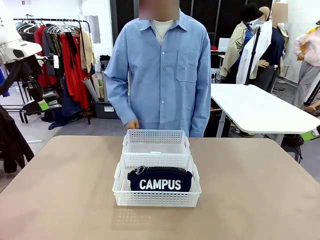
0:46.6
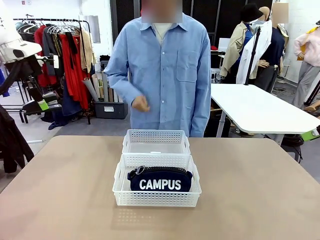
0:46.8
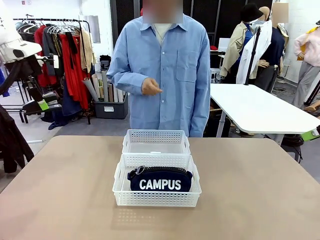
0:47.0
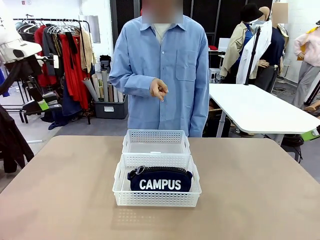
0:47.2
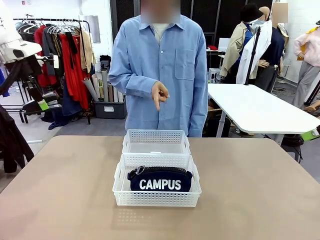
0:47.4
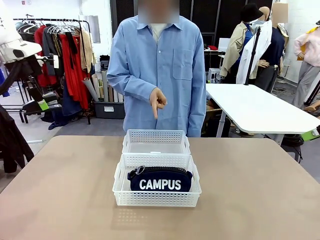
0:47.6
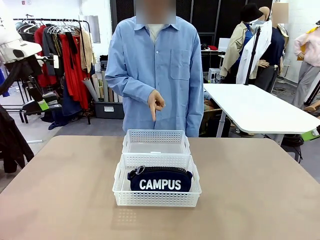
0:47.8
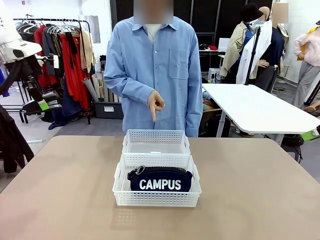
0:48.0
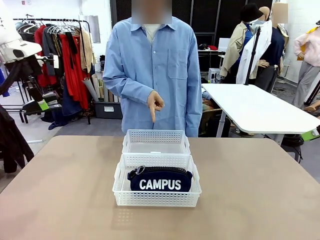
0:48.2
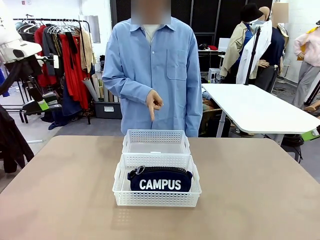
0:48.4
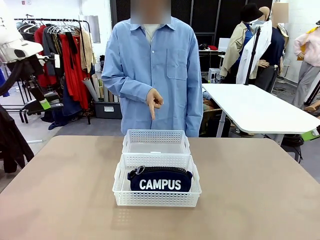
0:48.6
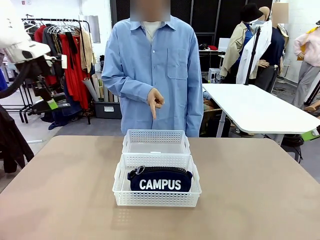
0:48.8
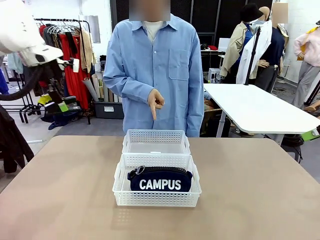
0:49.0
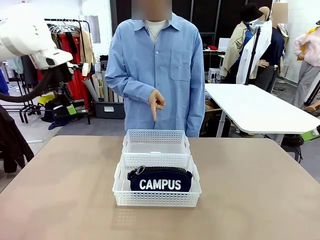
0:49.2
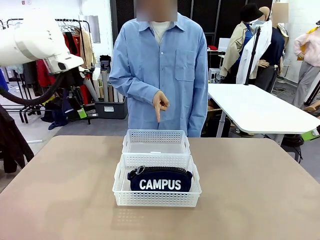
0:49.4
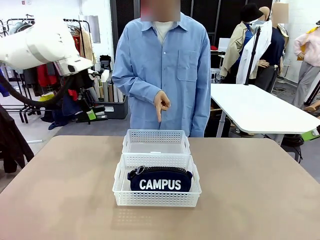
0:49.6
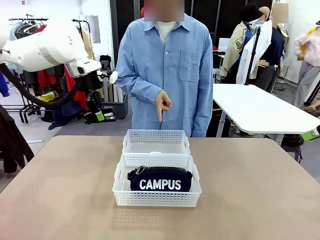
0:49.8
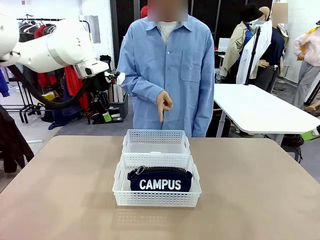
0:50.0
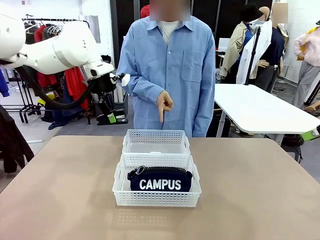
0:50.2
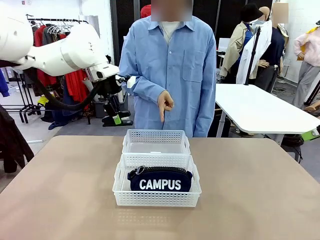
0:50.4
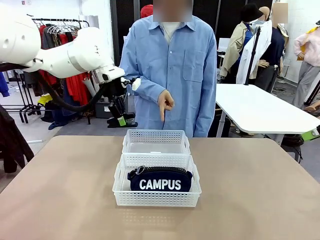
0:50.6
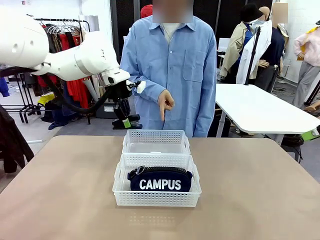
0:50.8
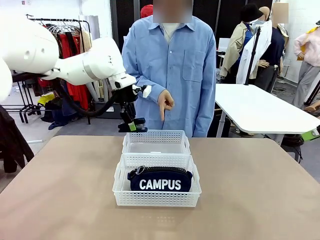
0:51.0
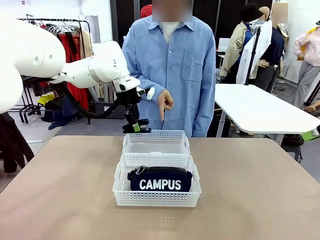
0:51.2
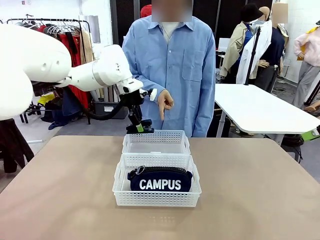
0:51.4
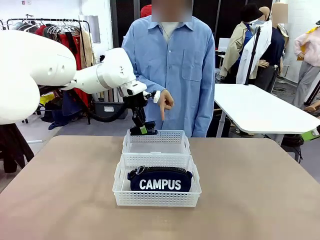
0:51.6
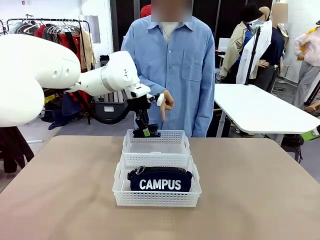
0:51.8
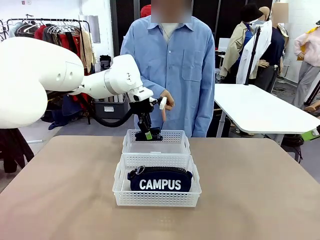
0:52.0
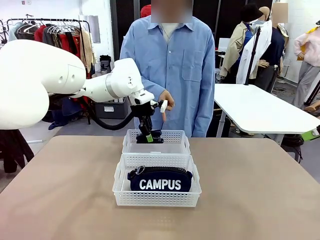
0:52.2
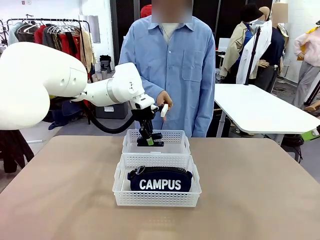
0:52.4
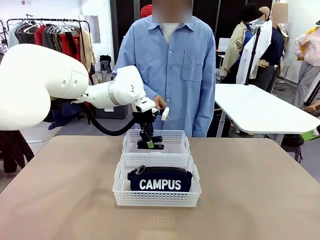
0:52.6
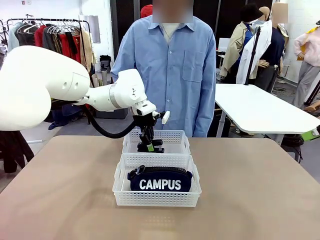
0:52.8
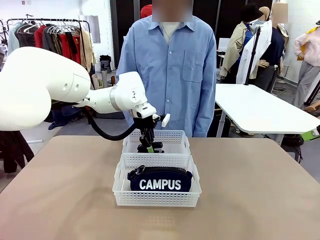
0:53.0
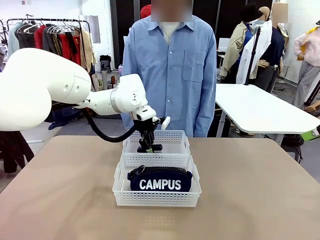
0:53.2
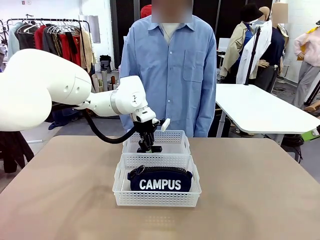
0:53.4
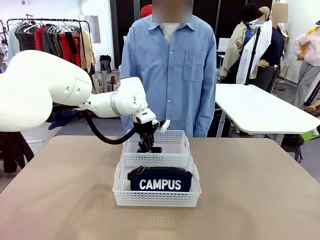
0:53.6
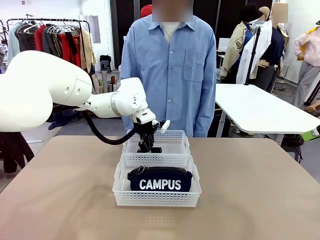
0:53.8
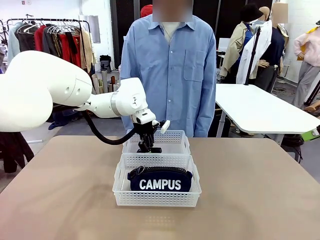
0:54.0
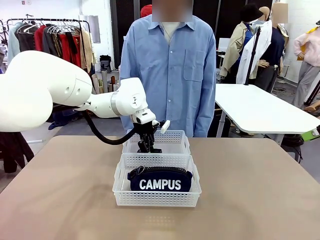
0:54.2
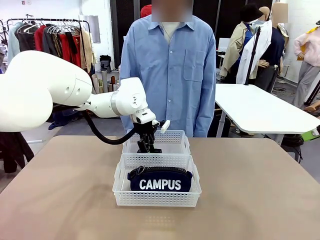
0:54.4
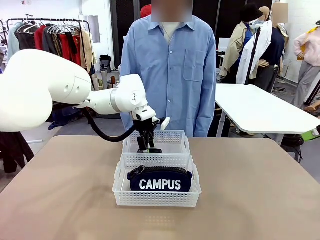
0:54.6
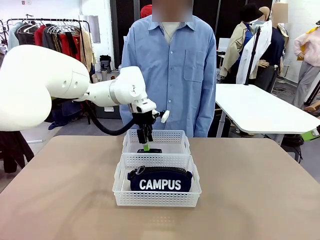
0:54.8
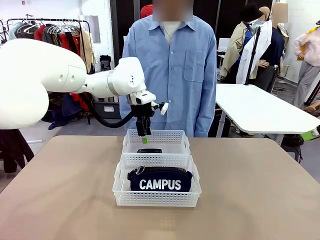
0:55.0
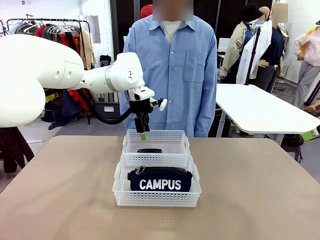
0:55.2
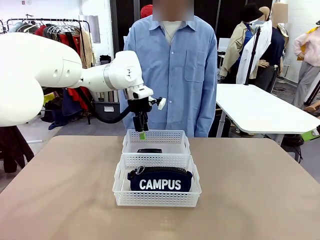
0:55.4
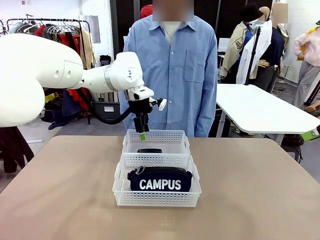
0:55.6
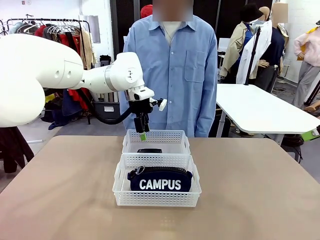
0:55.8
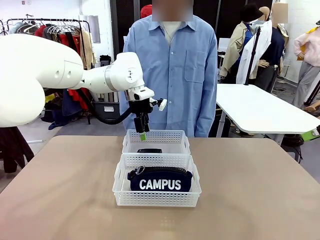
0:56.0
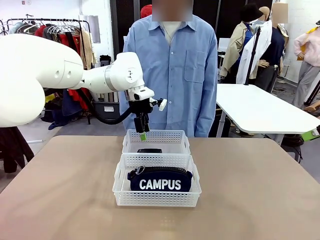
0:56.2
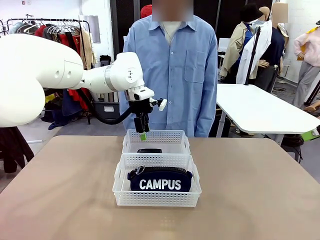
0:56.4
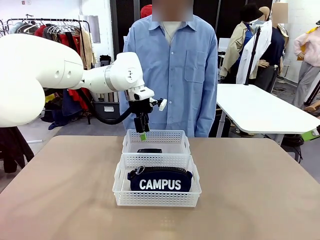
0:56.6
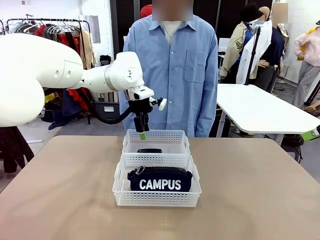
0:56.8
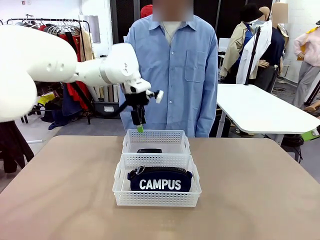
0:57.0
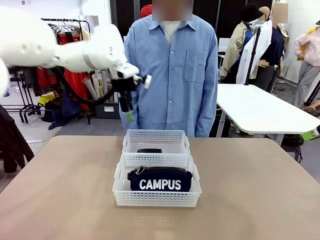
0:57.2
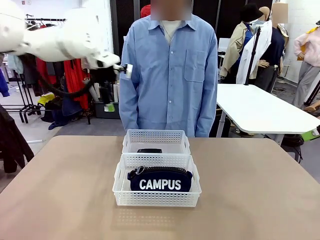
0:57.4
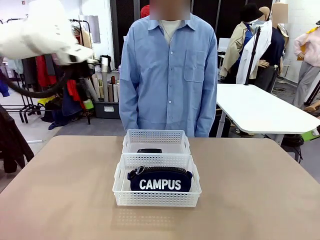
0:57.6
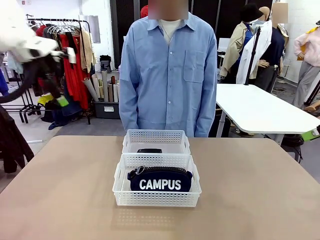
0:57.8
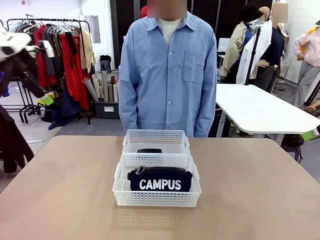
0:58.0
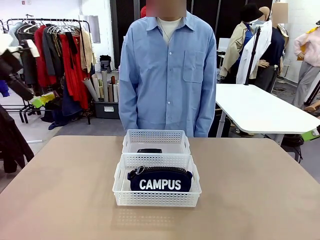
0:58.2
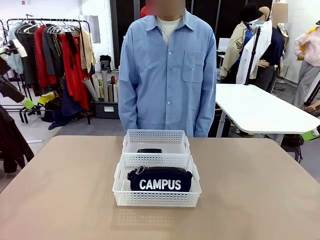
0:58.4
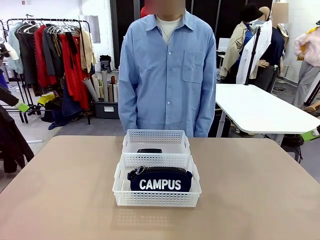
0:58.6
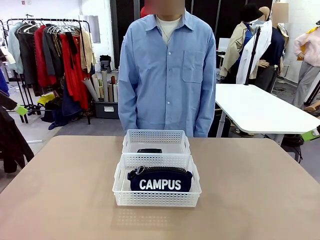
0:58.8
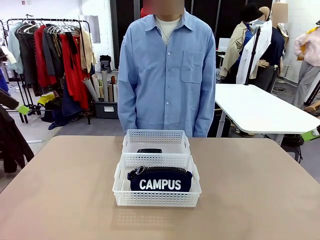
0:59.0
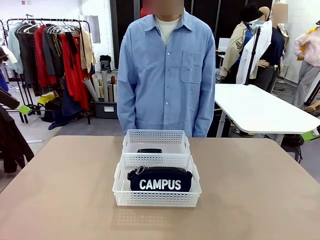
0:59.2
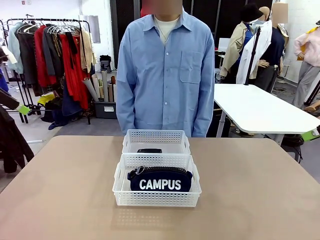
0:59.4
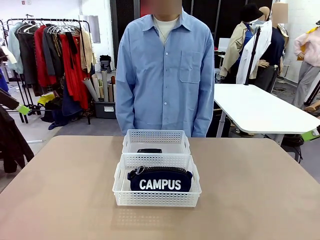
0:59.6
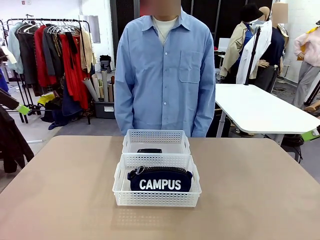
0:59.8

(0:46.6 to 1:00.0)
Task: Distribute items into two baskets.
Robot: Place the picked Stapler into the Organizing basket as instructed by the person.
Person: Points to the basket that does not contain the pencil case and instructs the robot to move the stapler there.
